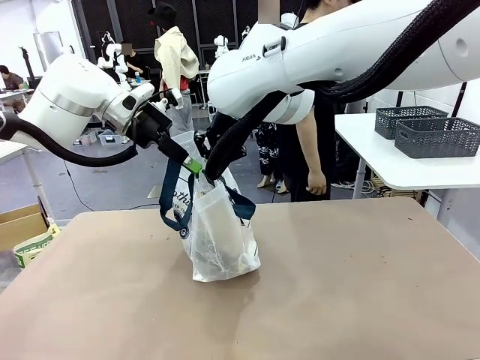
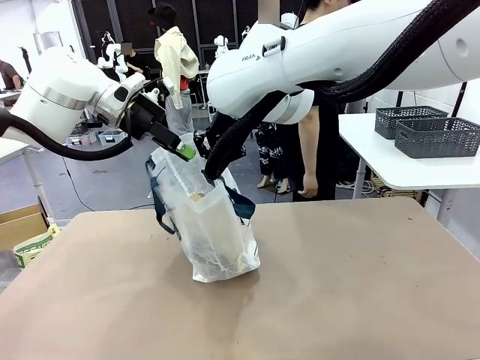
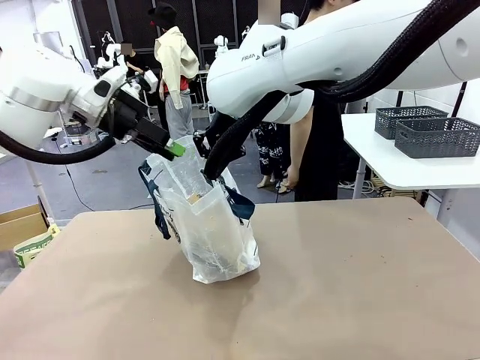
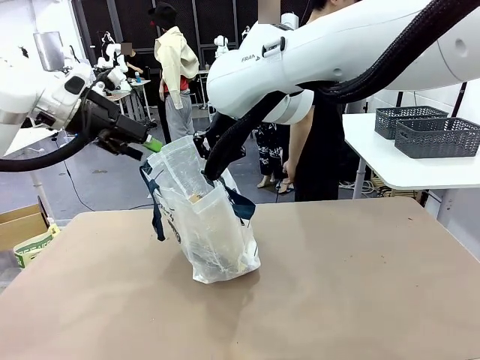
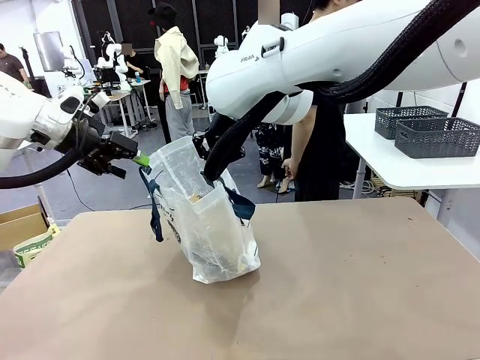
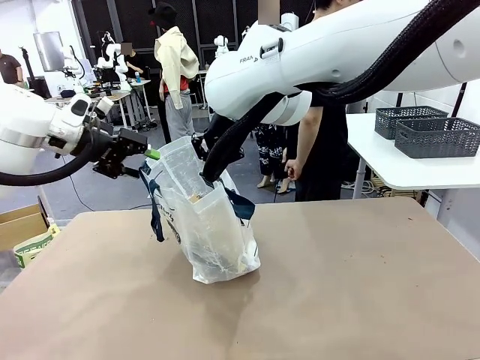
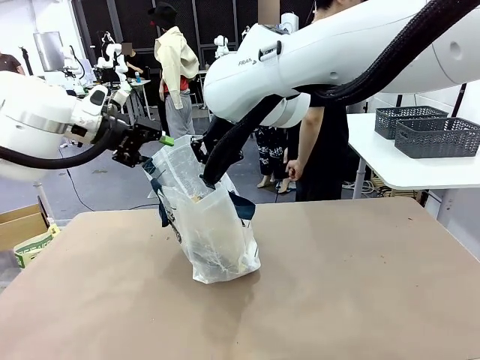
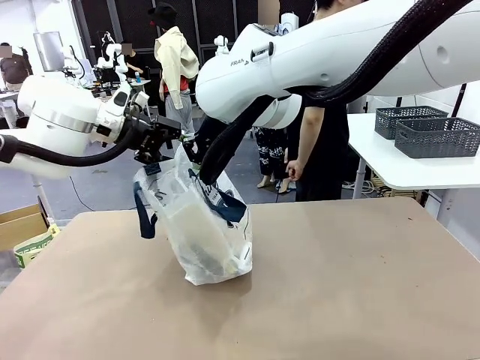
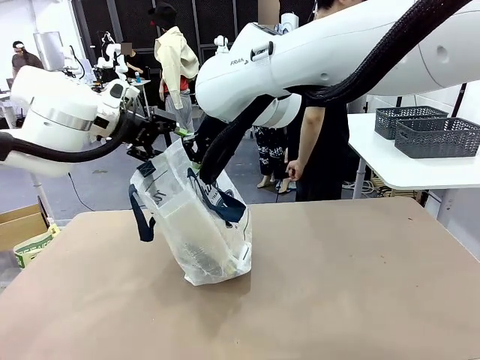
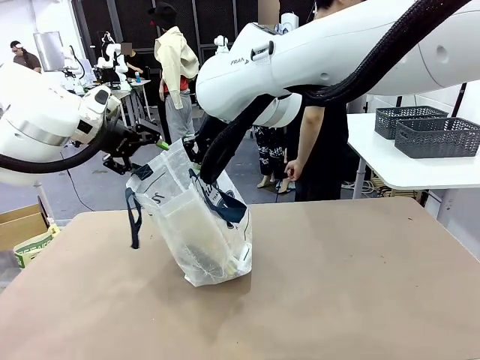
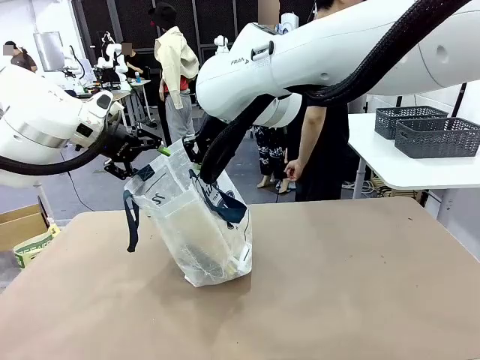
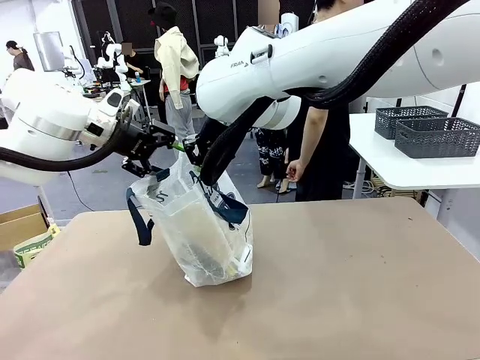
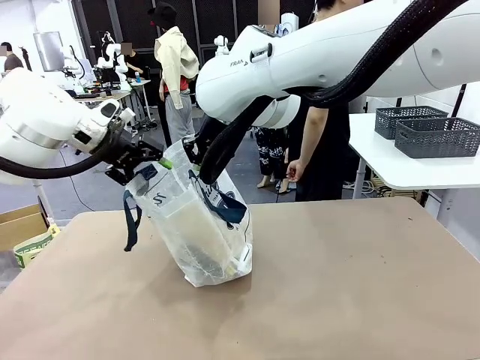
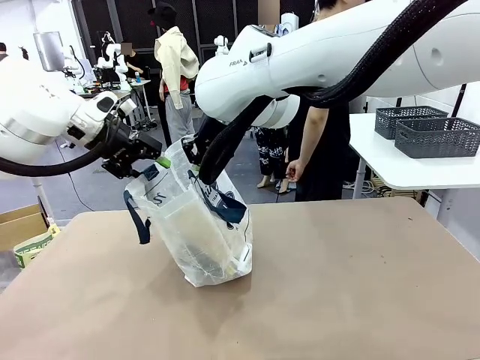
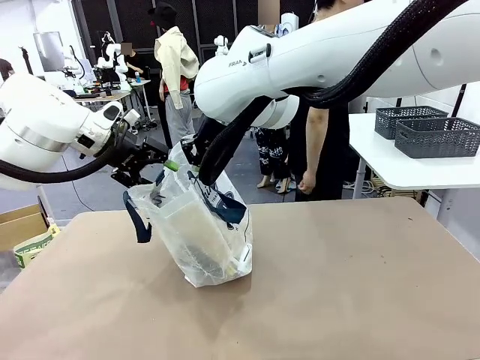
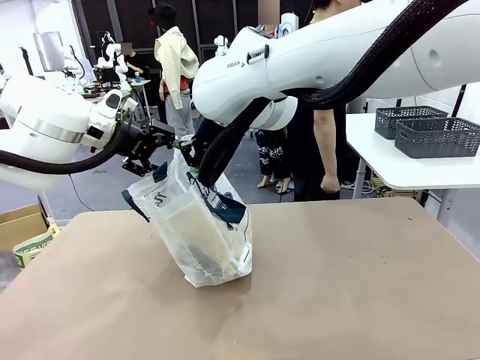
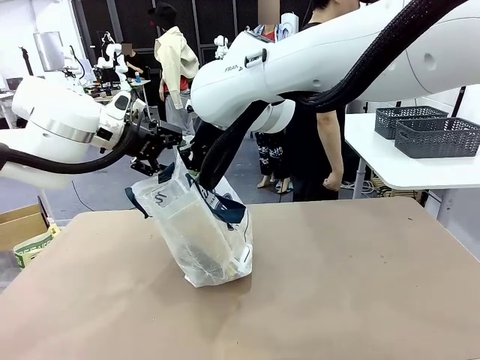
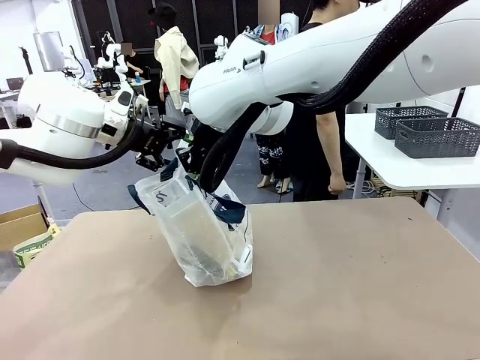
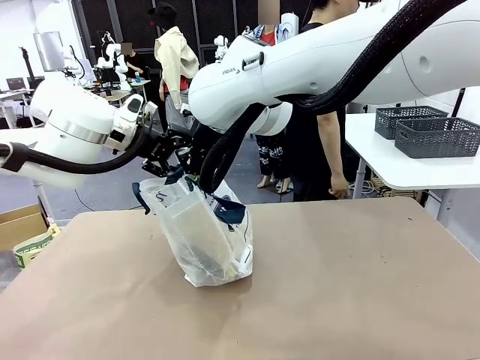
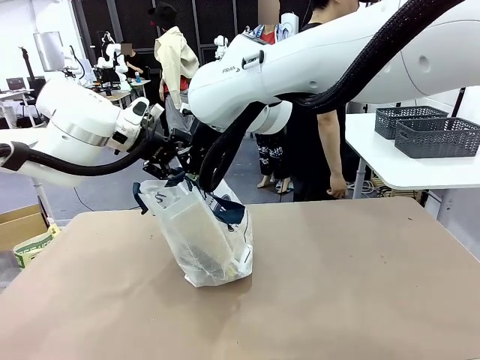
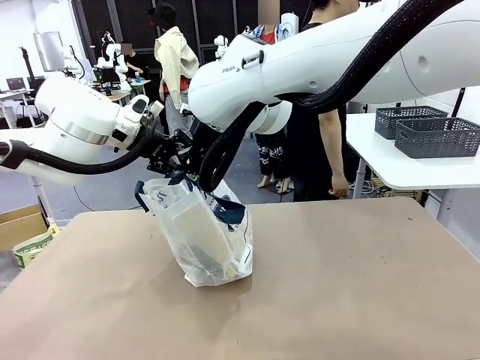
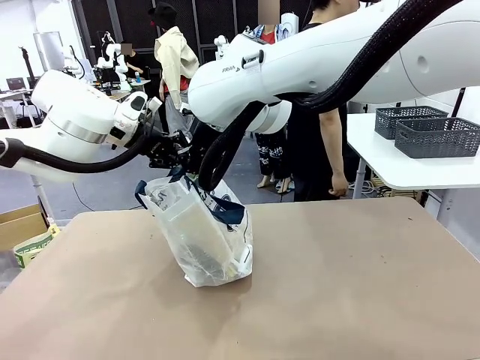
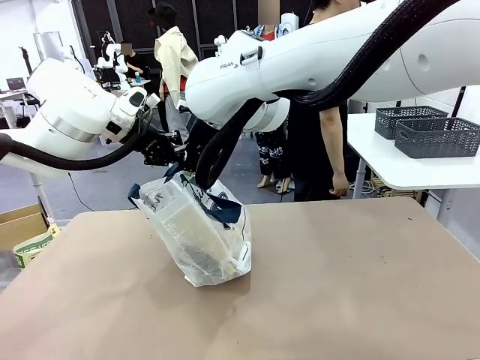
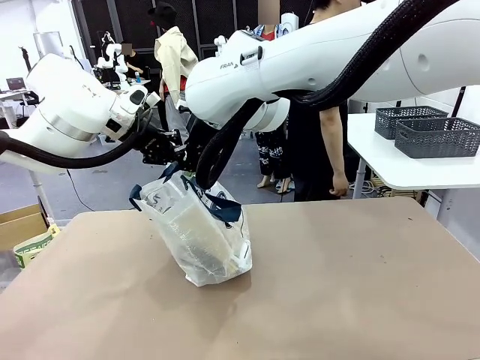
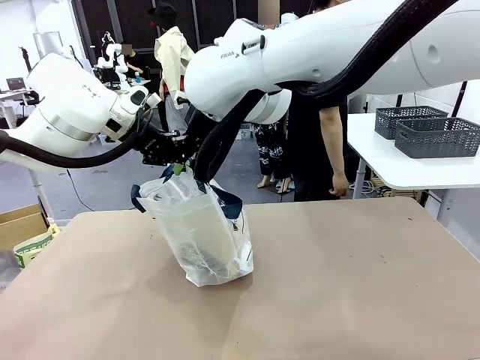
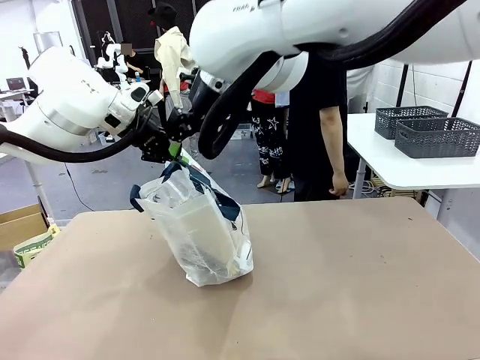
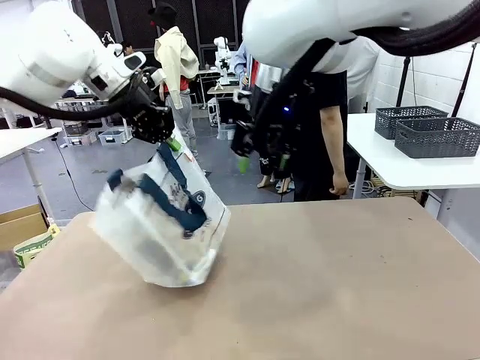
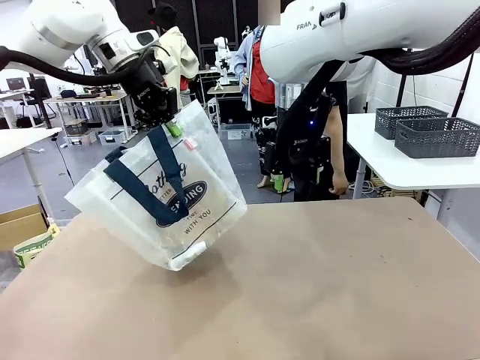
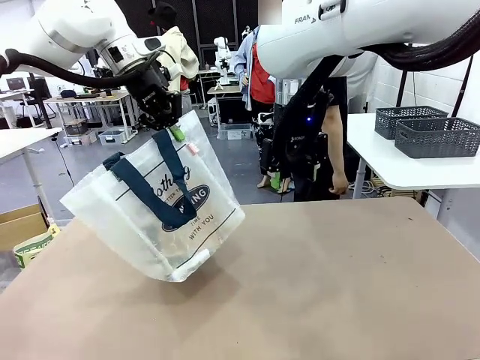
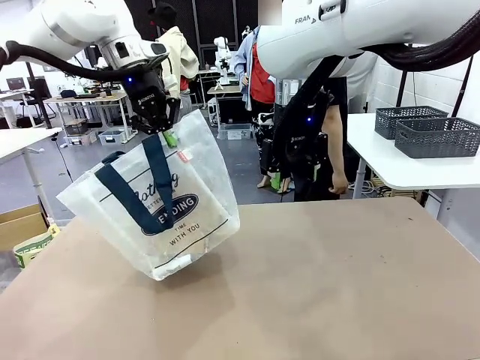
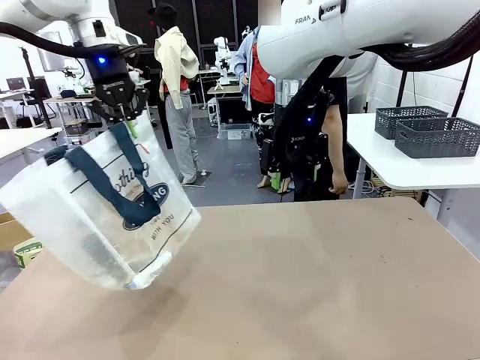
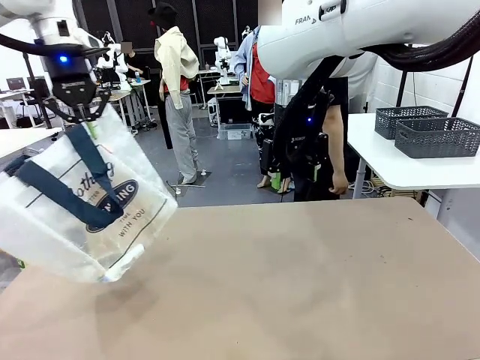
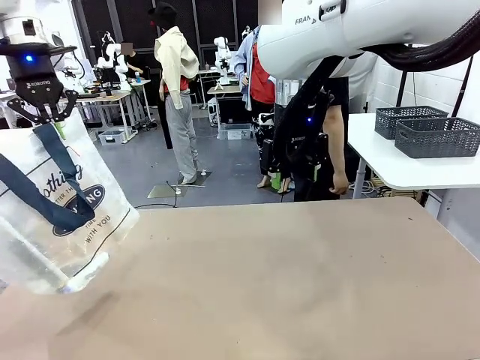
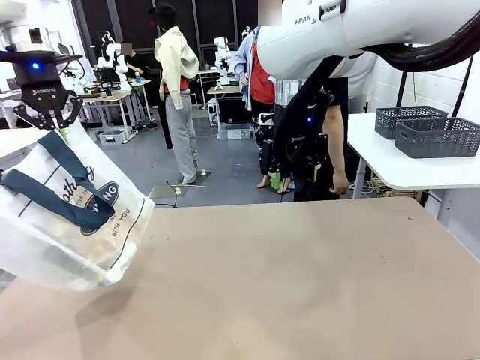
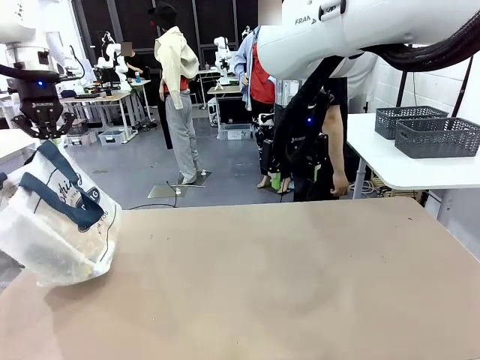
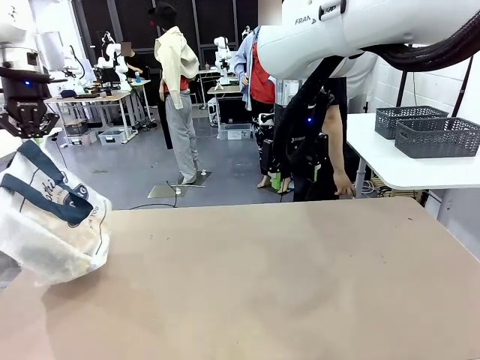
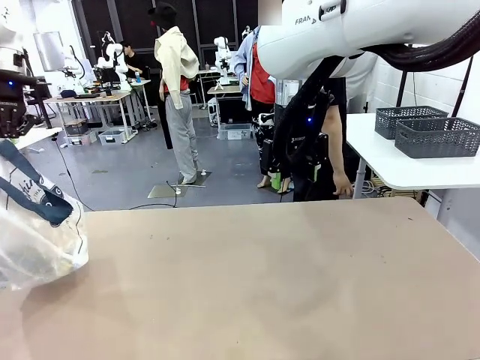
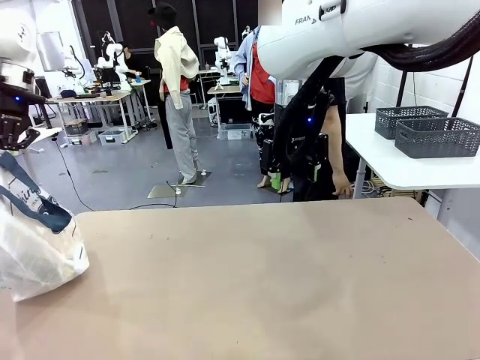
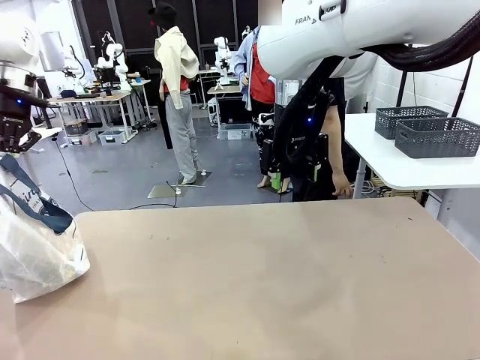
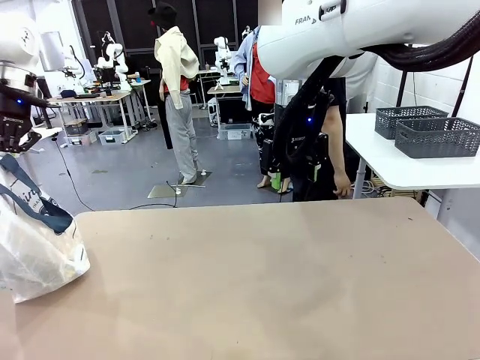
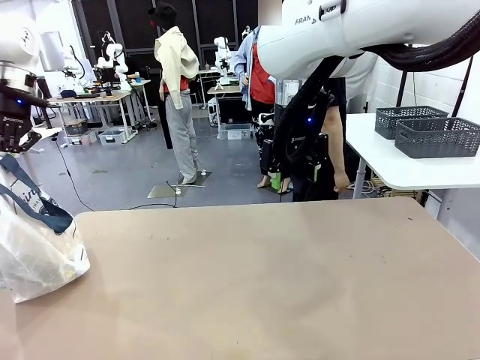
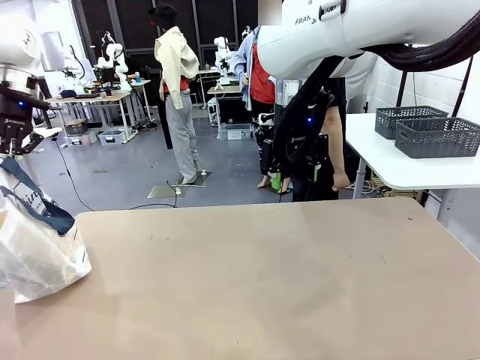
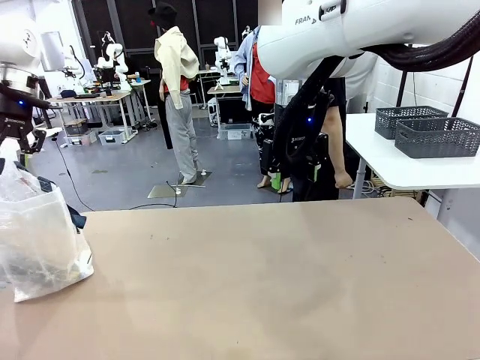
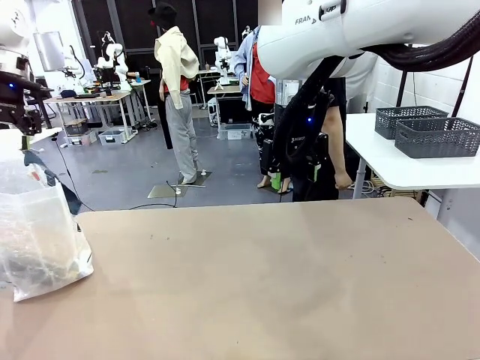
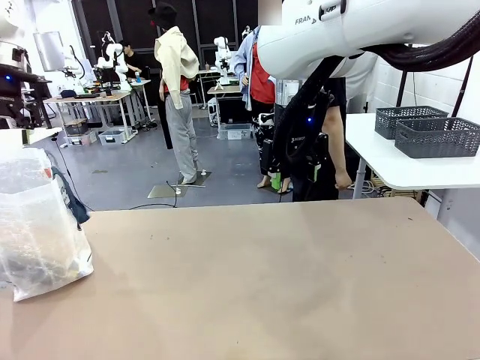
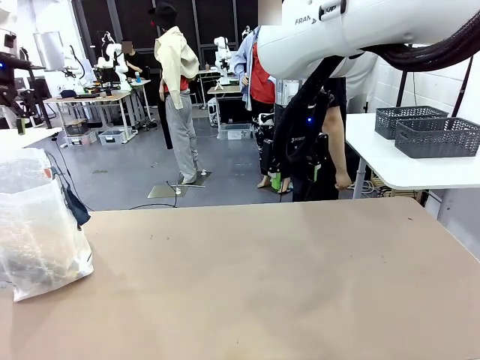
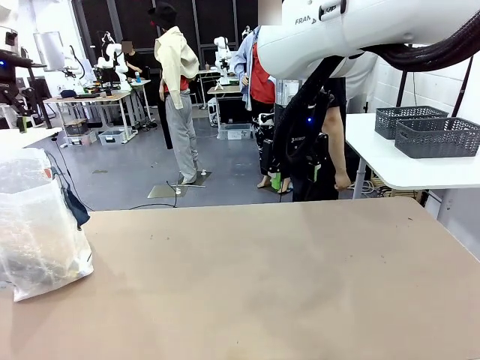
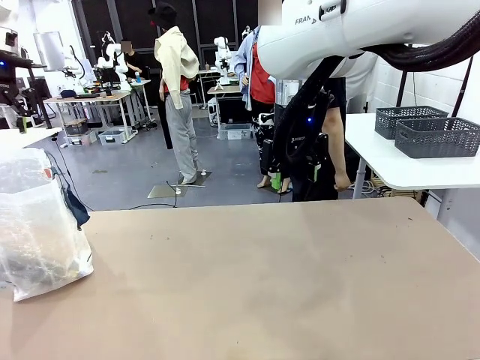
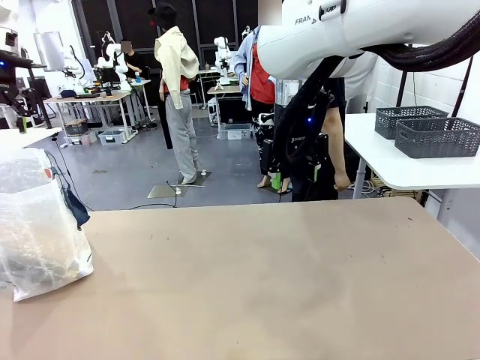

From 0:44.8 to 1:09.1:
Task: Transfer purchased items from the store into the shopping bag.
Robot: Move the Reusable shopping bag to the right side of the table.
Person: Move the basket on the left to the middle of the person's table.
